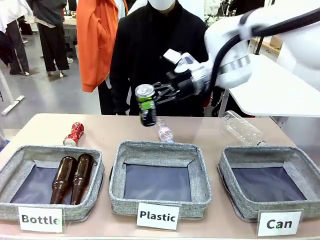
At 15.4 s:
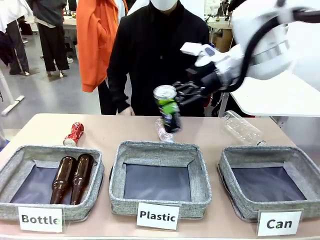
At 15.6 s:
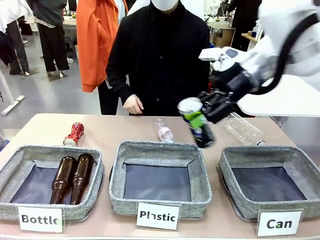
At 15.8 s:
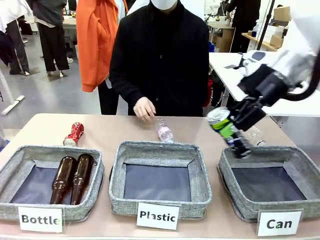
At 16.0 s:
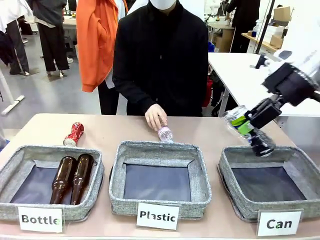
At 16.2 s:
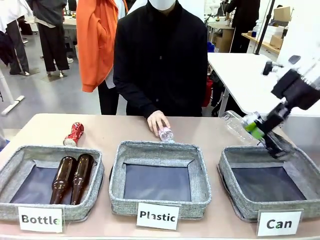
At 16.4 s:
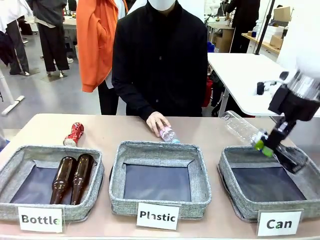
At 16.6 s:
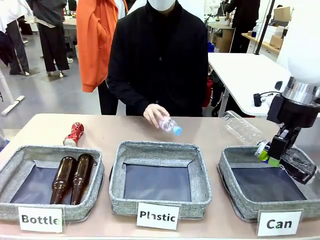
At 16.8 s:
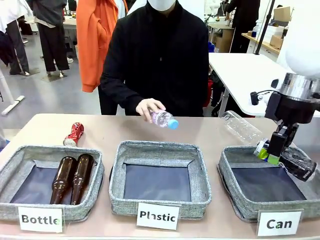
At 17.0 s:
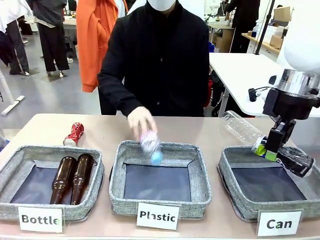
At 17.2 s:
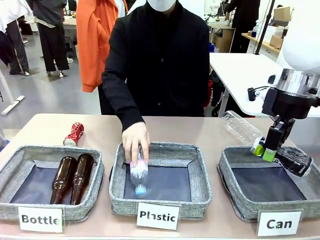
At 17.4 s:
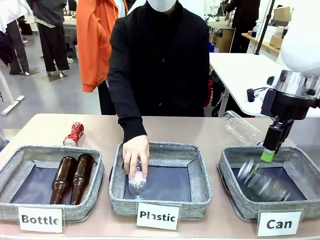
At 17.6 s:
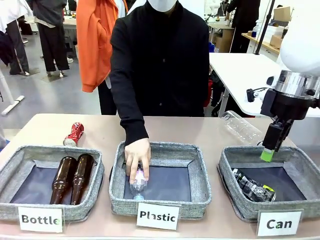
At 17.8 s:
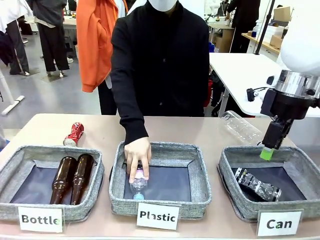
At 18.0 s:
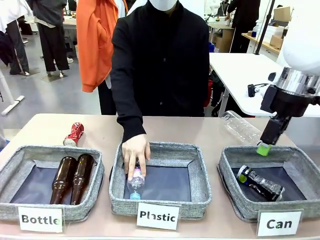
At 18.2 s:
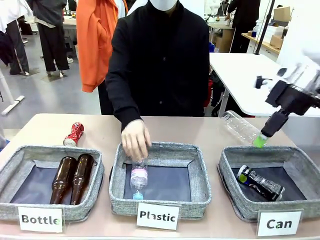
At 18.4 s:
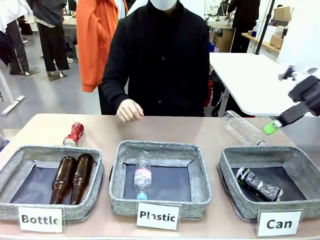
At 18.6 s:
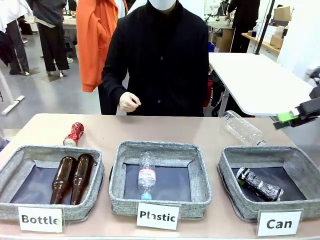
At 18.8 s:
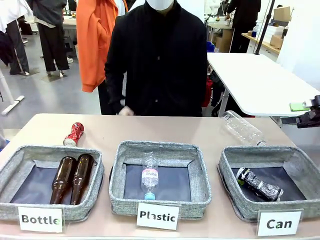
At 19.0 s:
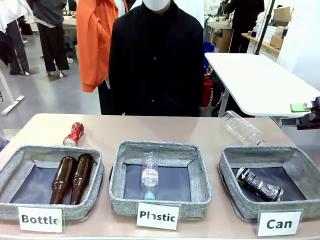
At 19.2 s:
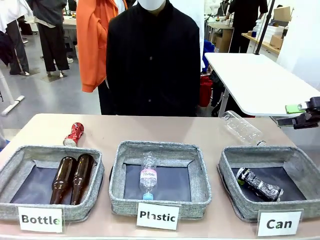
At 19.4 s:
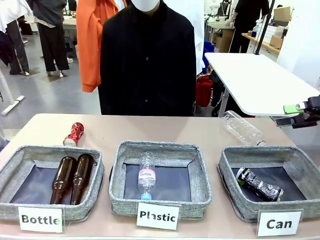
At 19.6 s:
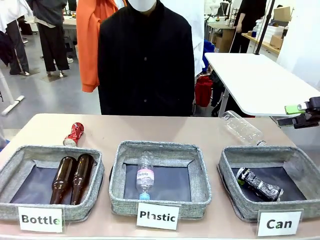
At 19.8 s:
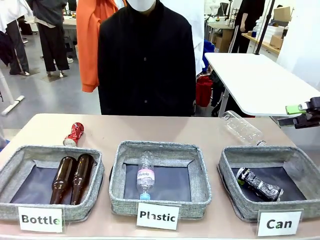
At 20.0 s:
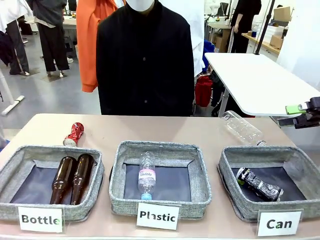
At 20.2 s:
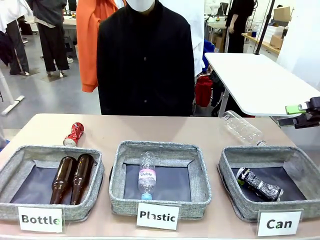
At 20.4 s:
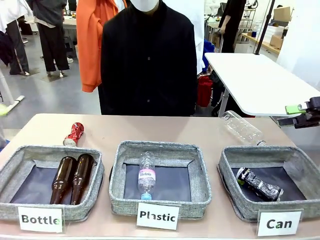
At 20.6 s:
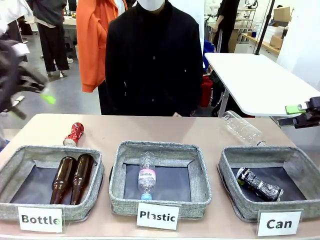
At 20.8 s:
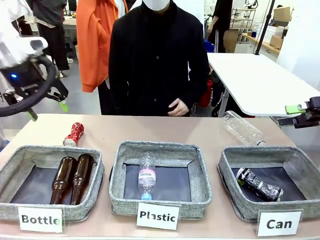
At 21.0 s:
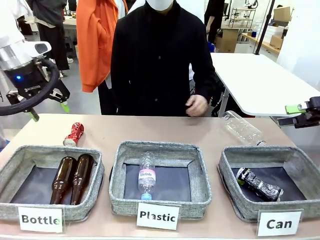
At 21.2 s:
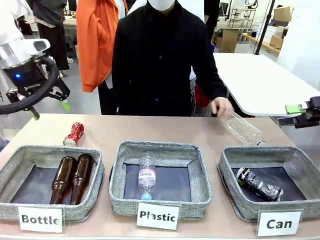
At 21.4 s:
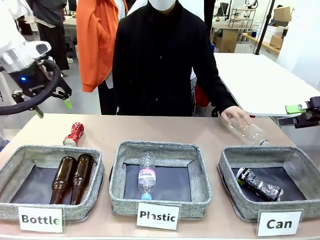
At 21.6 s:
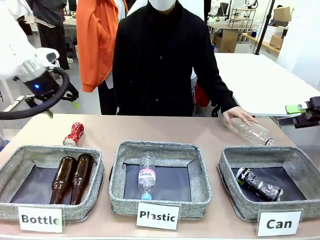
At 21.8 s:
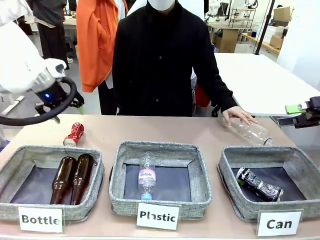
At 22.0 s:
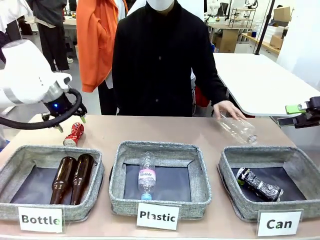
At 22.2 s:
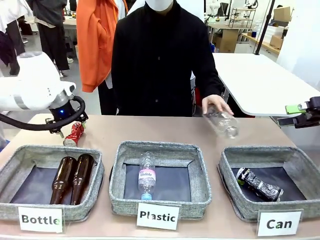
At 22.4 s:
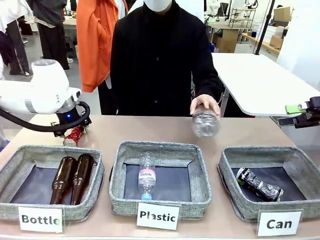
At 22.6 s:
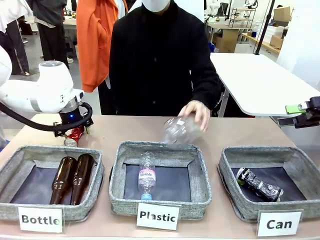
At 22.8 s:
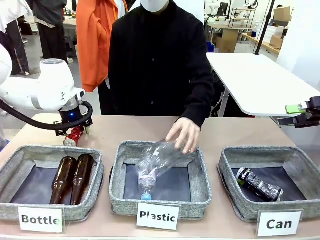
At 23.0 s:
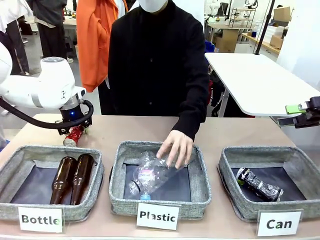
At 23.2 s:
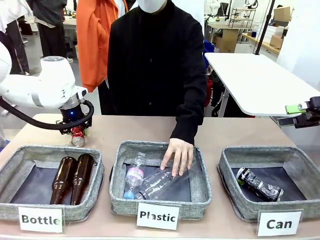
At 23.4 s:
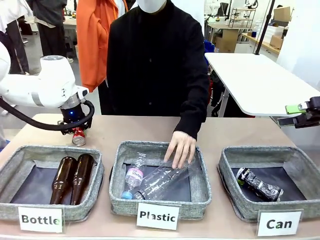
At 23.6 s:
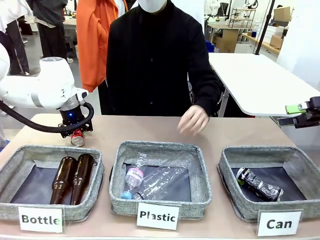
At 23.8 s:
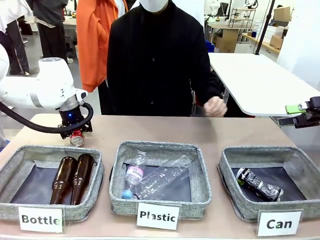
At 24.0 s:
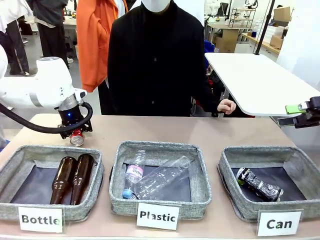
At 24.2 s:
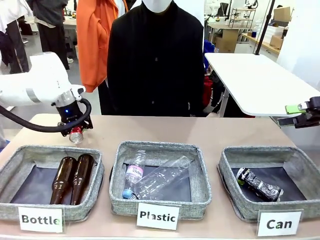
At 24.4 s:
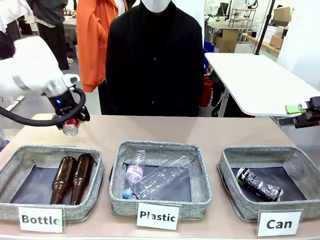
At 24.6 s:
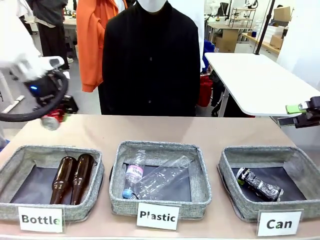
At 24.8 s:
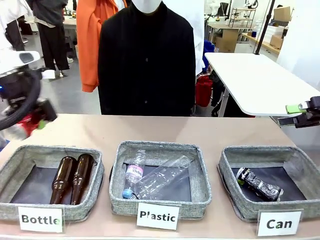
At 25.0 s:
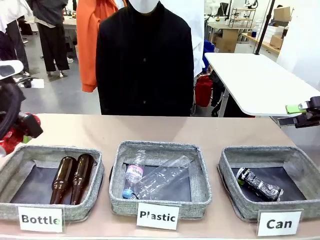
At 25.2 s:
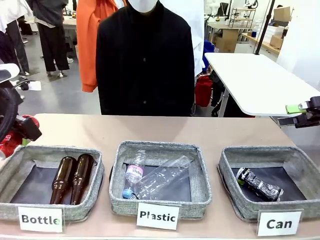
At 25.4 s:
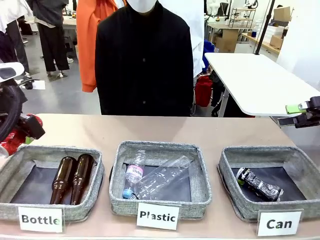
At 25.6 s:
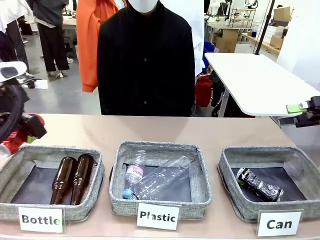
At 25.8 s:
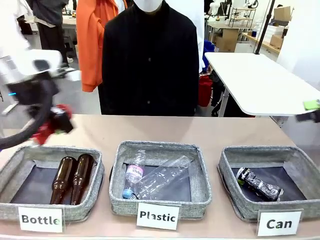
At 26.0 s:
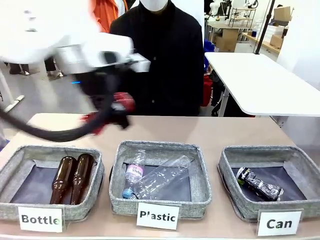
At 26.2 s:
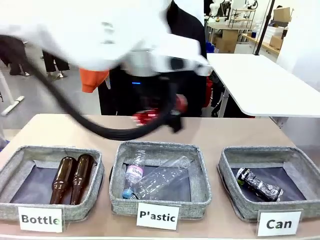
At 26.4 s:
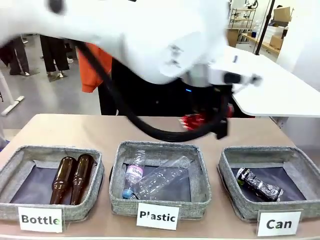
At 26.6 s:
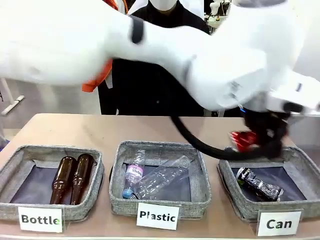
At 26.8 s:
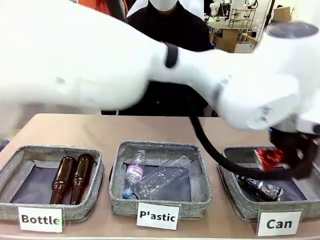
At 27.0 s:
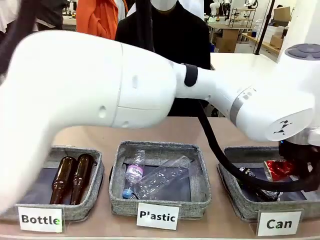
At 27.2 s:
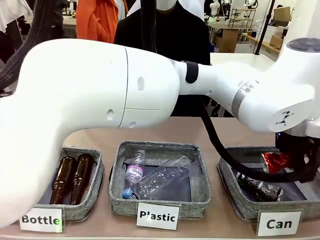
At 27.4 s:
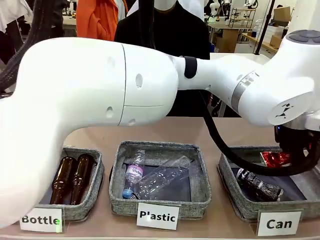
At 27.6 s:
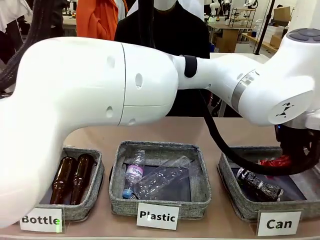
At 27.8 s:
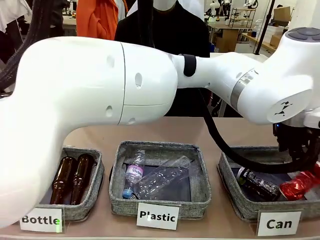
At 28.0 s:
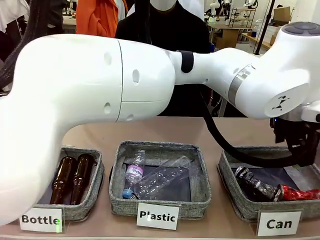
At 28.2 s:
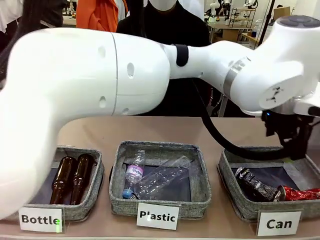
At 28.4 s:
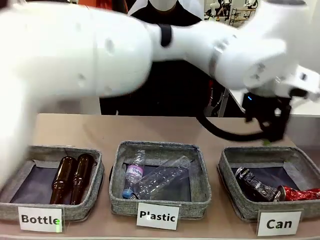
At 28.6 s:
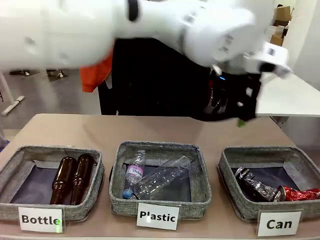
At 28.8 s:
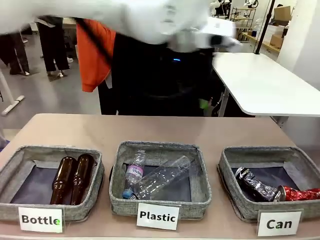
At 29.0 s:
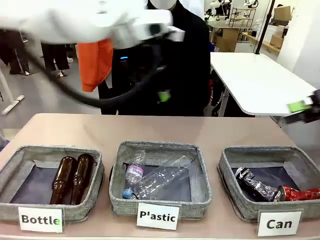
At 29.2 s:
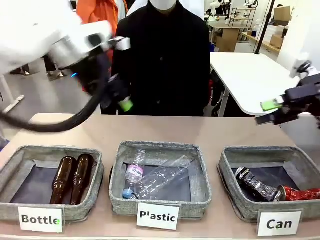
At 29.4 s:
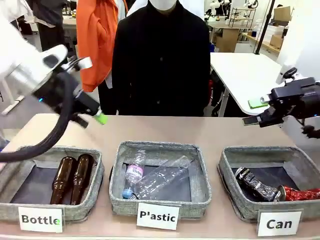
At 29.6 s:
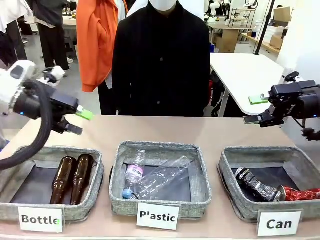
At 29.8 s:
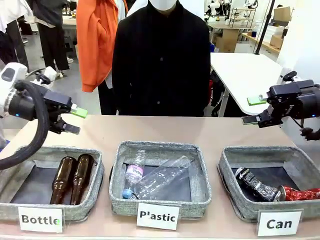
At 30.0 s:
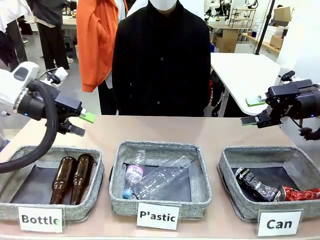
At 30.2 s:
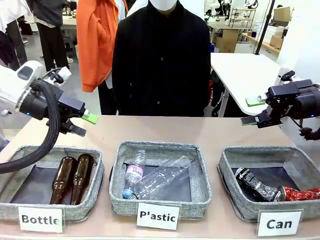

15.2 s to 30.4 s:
Task: Sort the can waste into the basket.
Robot: Pick up the can waste from the table and place it in the right Fabric basket.

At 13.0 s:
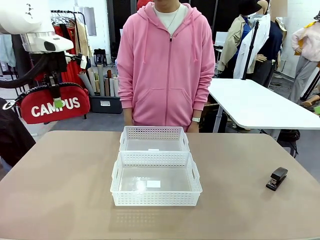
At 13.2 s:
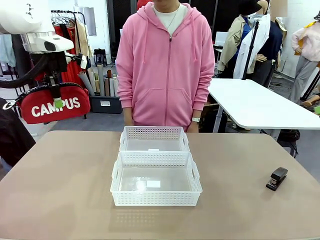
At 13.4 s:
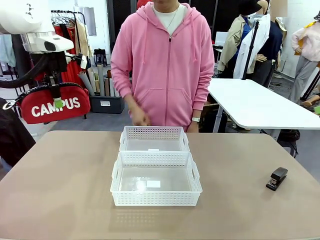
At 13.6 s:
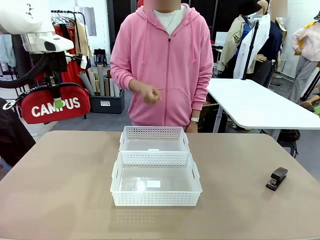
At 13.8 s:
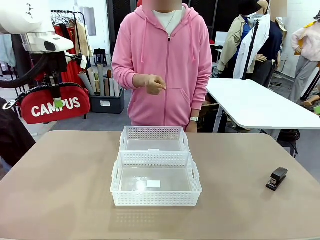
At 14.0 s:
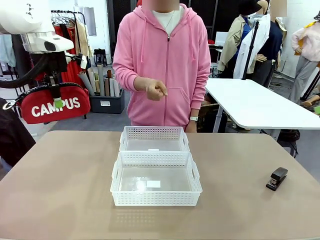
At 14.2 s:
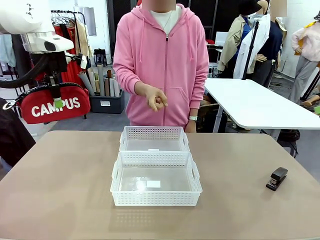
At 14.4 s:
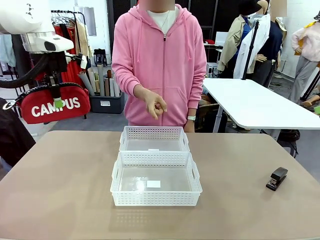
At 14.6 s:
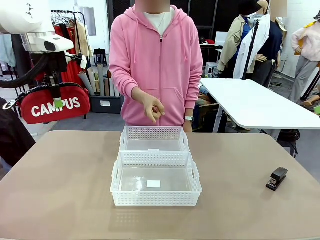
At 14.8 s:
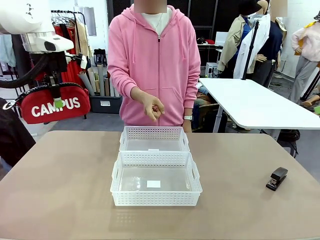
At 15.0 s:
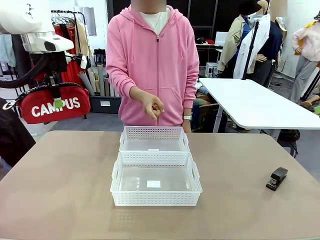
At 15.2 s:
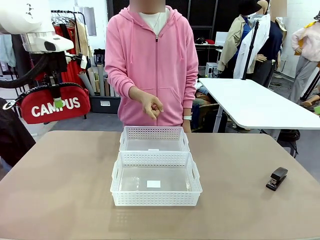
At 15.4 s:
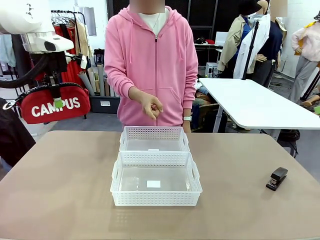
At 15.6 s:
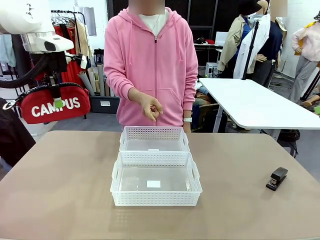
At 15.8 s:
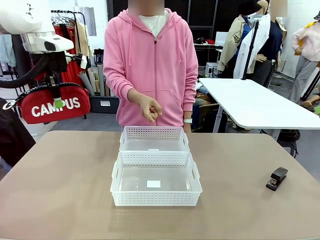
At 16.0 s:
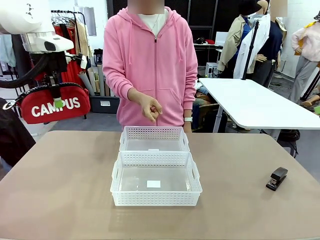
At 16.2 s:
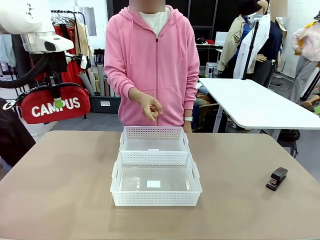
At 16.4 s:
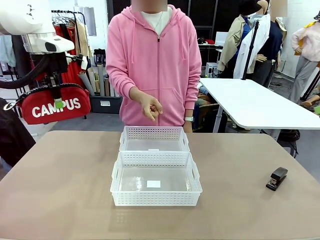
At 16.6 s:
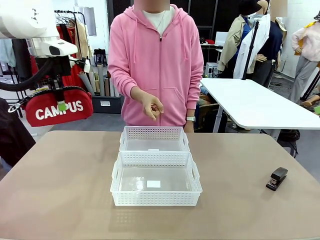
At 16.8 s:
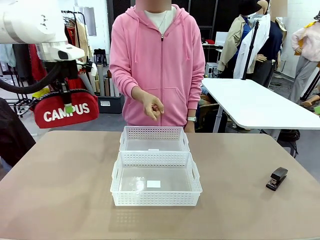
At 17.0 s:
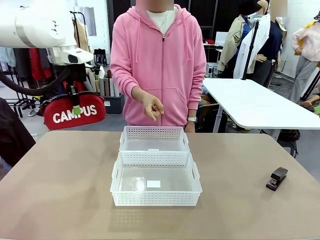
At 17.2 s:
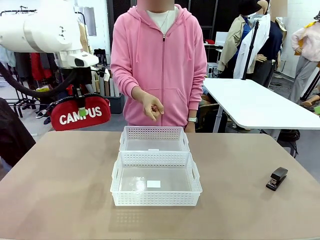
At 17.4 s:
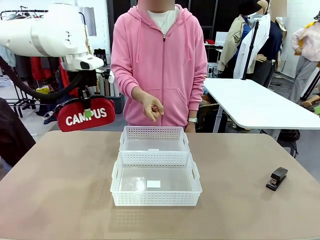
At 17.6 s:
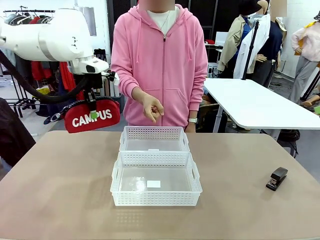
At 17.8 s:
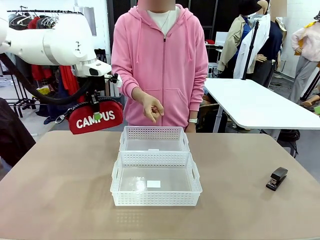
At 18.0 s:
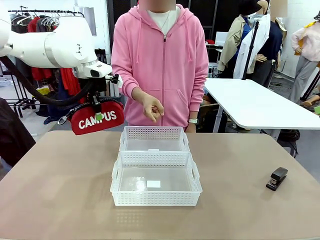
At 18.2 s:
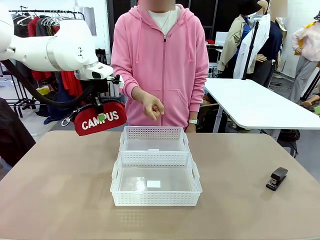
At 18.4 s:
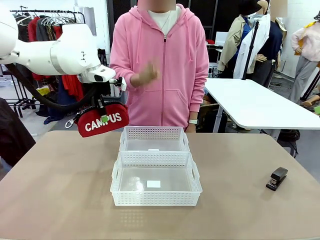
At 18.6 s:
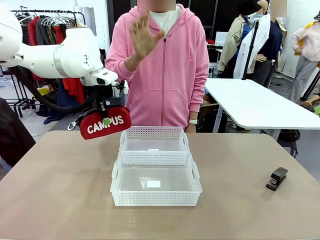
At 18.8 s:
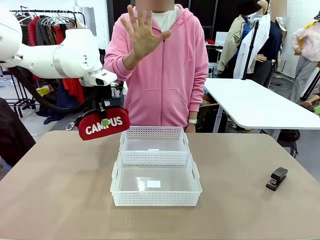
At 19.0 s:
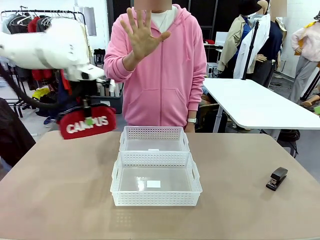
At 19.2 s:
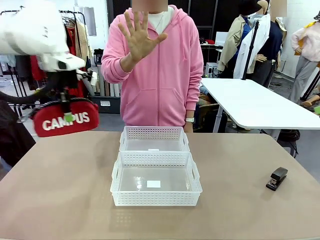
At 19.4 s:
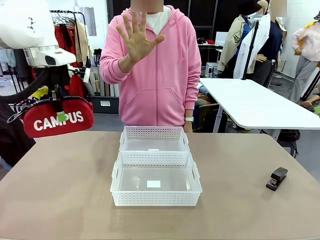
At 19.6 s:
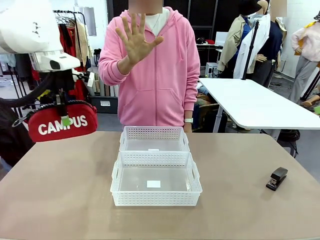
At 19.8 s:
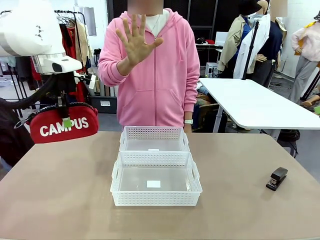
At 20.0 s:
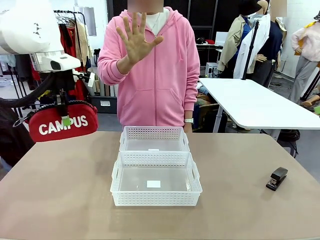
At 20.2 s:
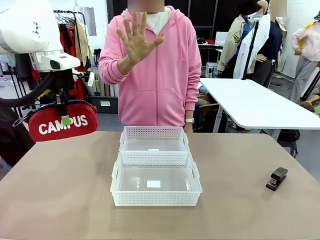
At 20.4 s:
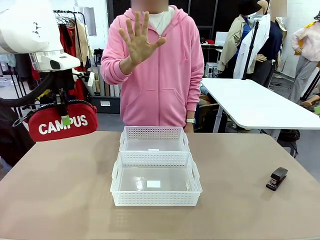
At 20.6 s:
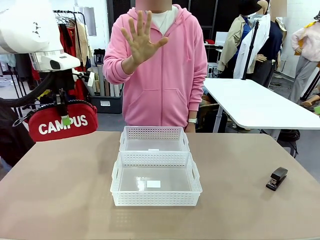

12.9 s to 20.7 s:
Task: Distribute items into two baskets.
Robot: Move the picked Pencil pouch towards the Organizing basket indicated by the person, stopping as directed.
Person: Sends a stop gesture before the robot places the pencil case into the basket.
